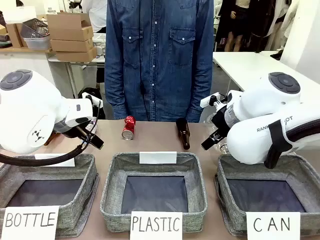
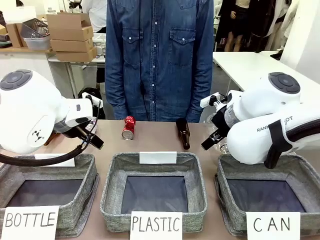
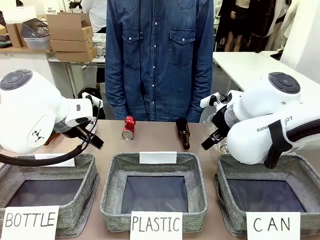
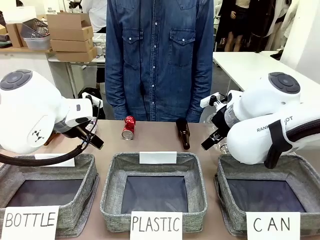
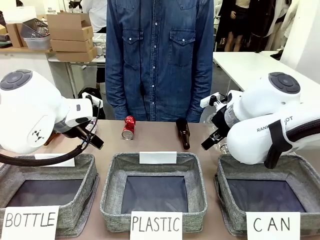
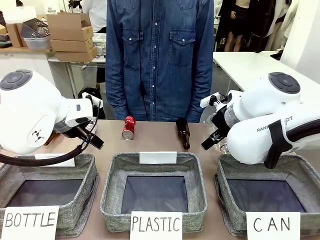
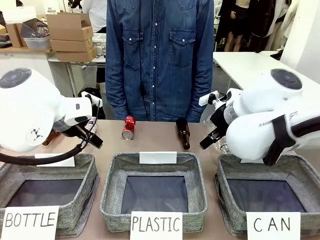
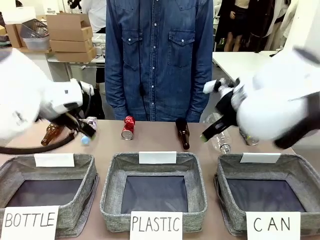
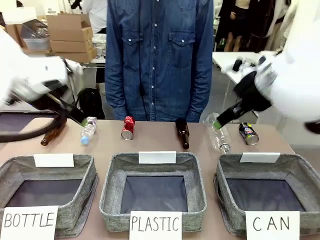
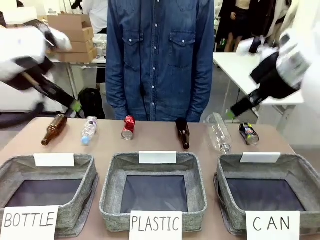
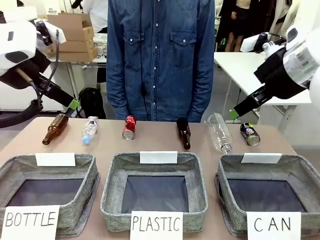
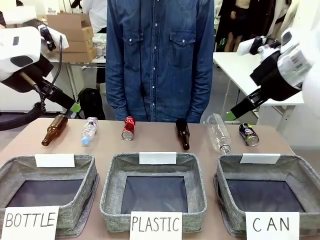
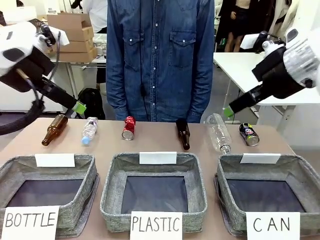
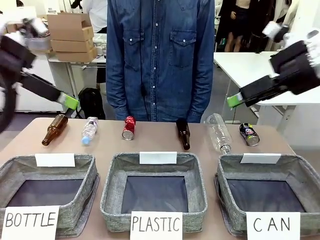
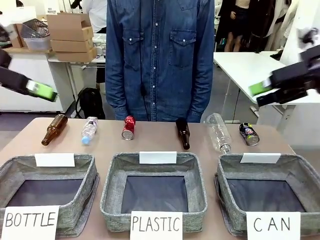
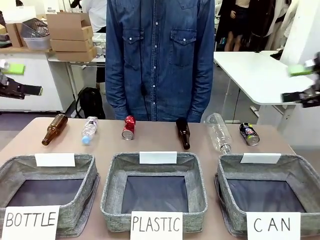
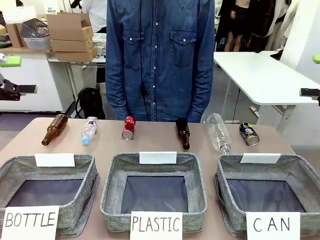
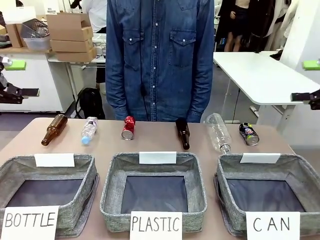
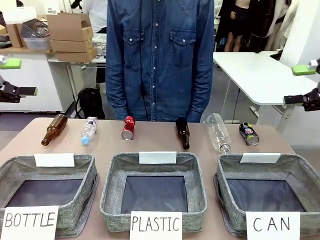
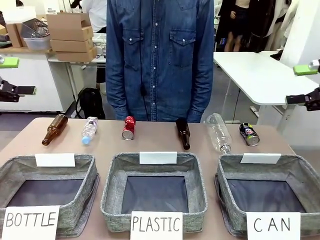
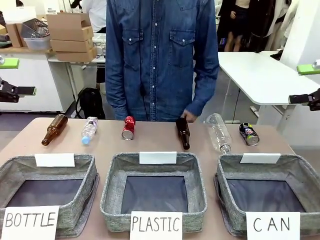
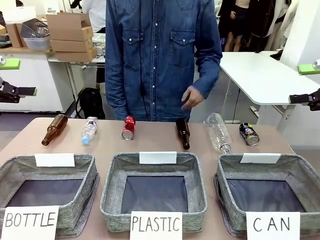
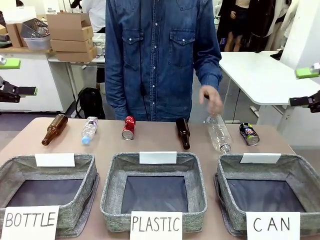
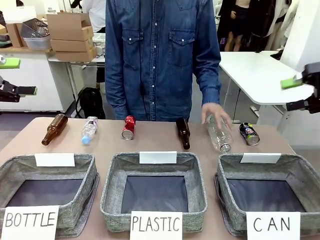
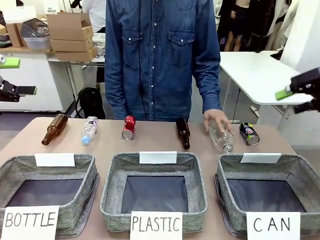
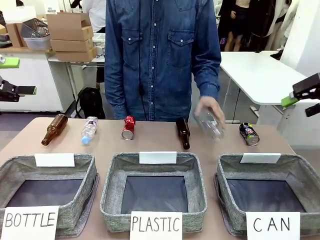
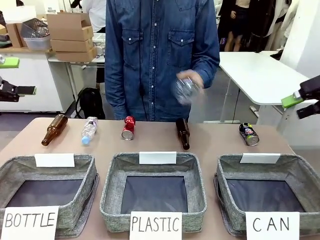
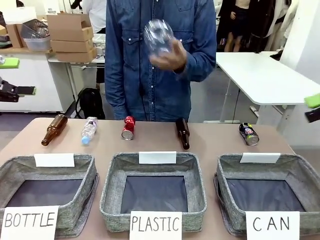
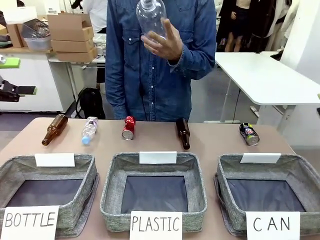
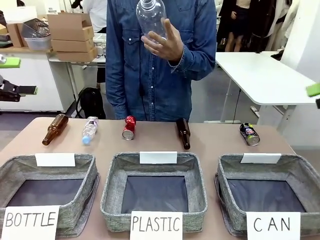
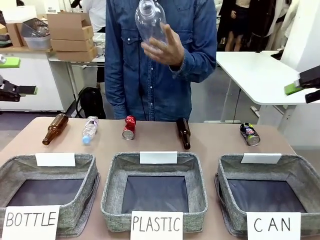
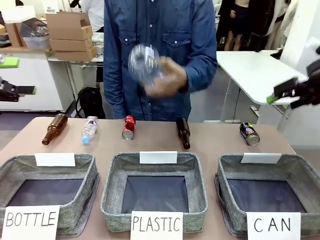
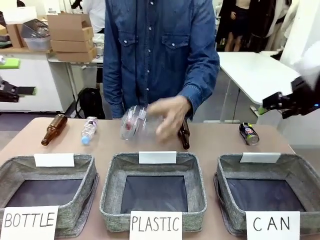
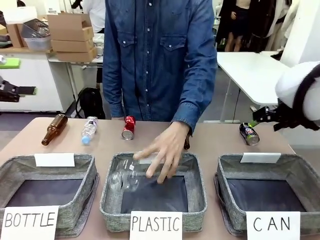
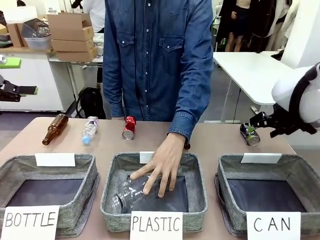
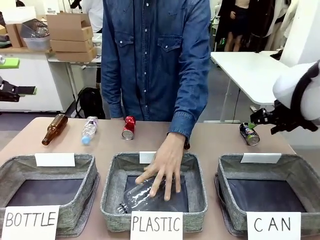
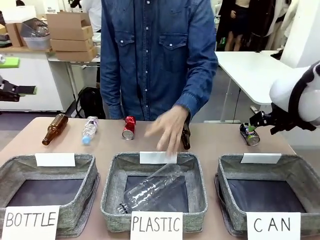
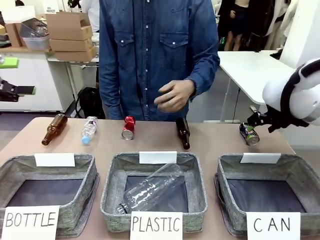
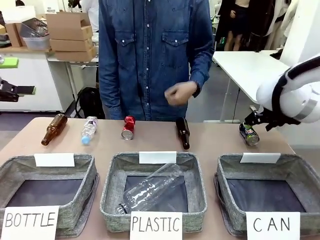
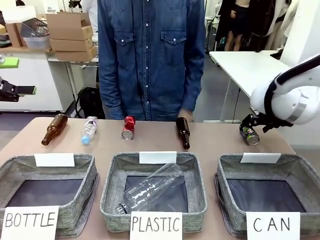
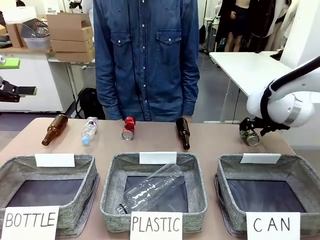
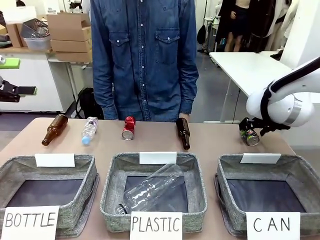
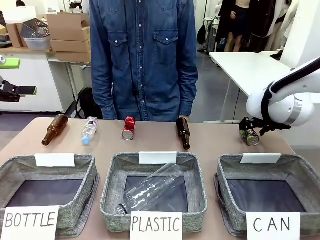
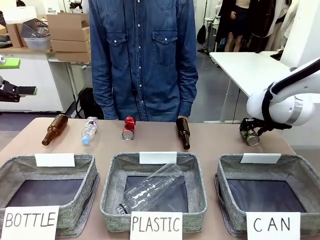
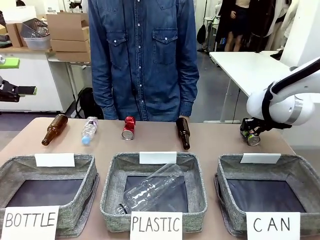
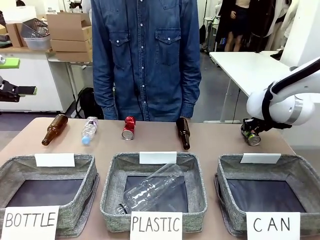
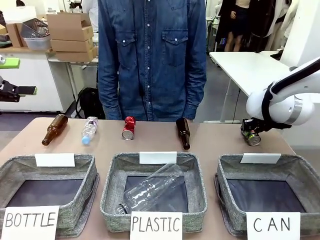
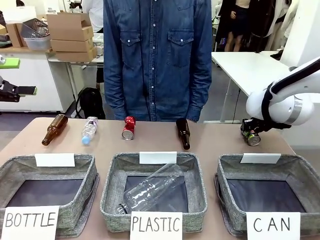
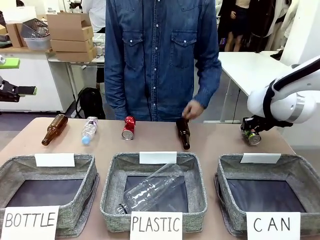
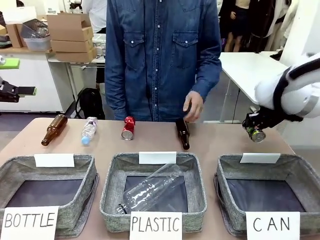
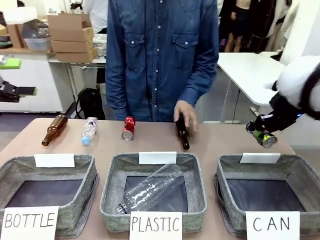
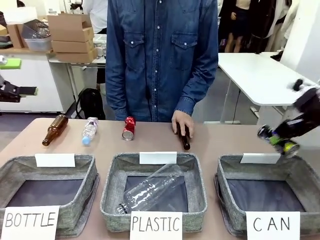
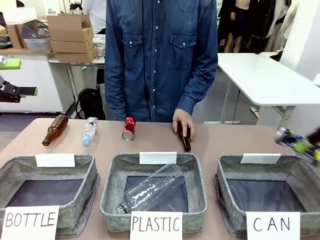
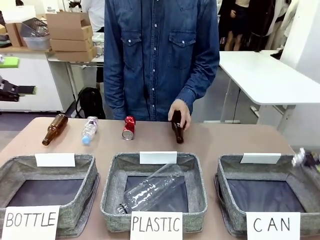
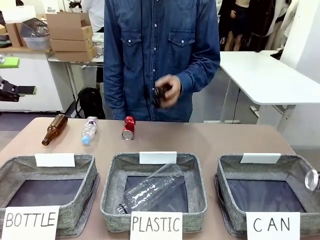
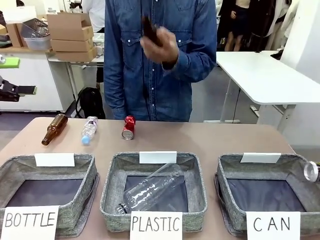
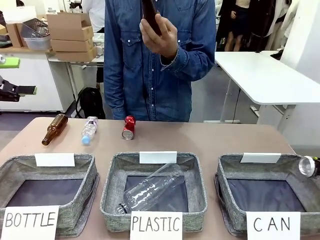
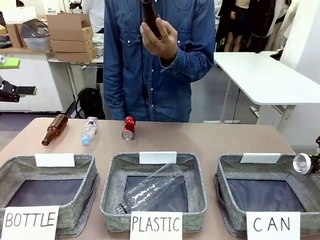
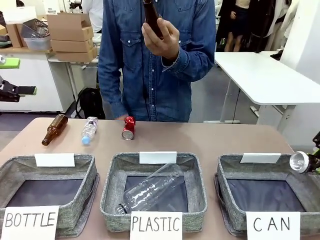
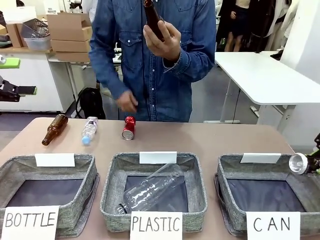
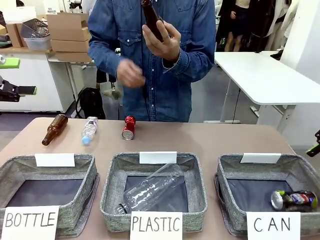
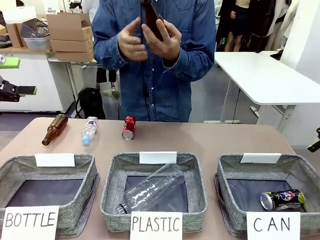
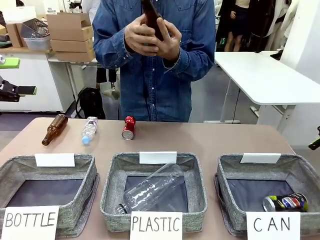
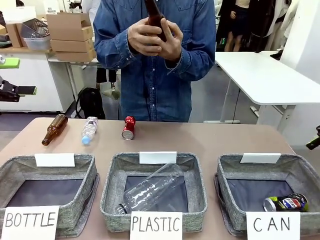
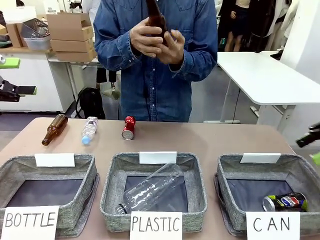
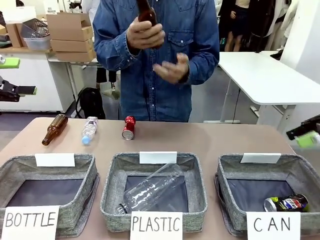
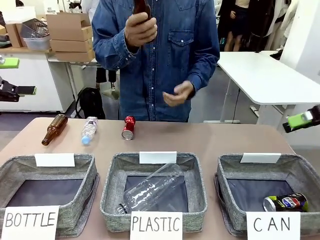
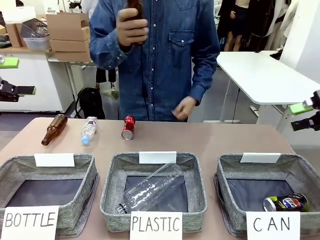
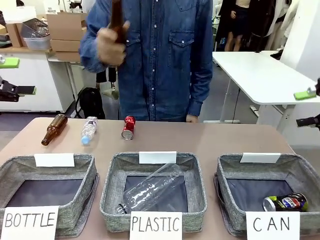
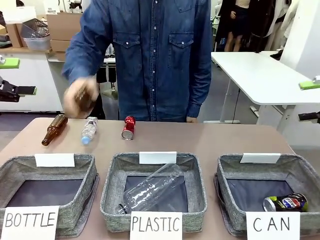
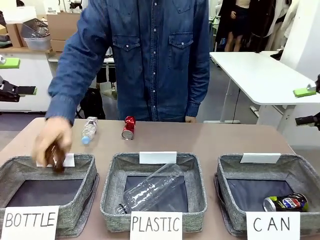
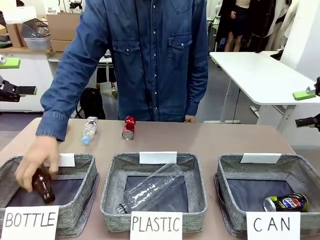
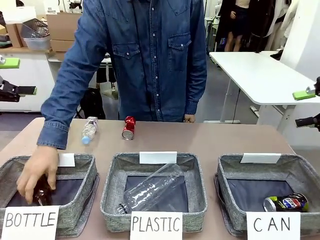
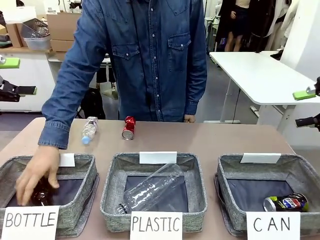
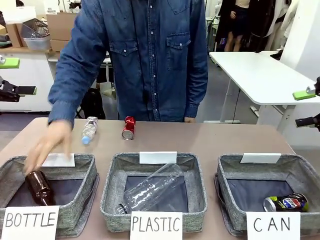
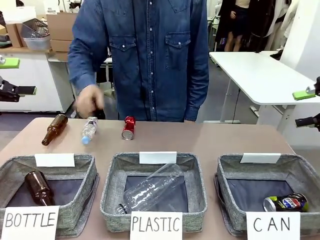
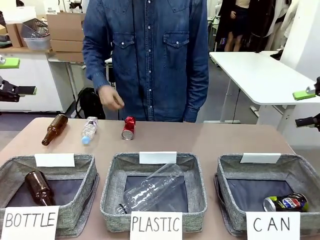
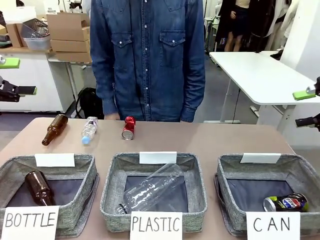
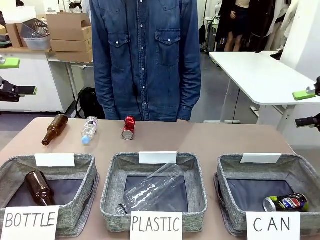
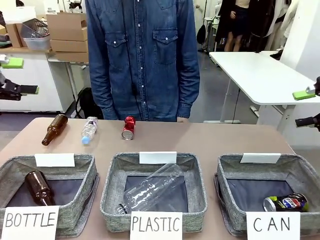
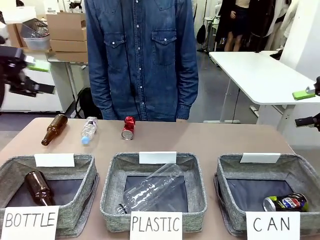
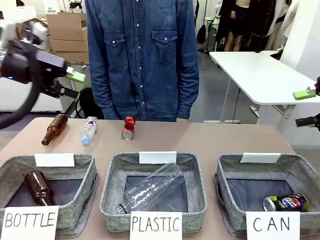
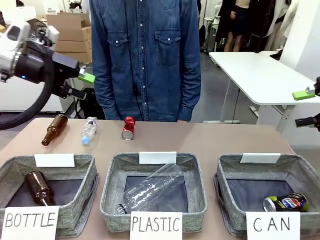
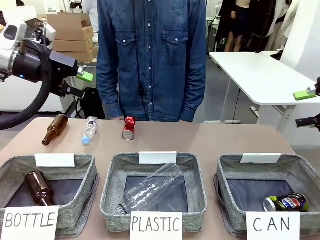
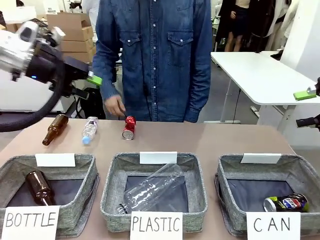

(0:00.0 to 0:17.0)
Task: Sort the can waste into the basket.
Robot: Pick up the can waste from the table and place it in the right Fabric basket.
